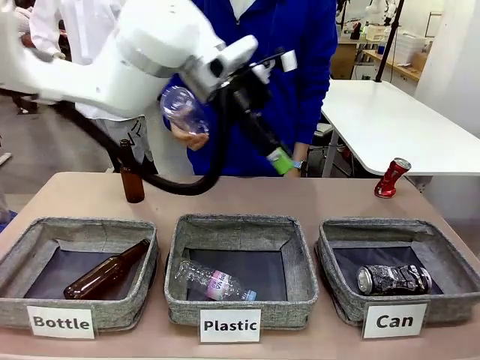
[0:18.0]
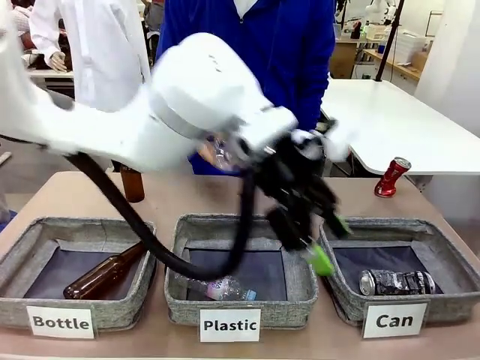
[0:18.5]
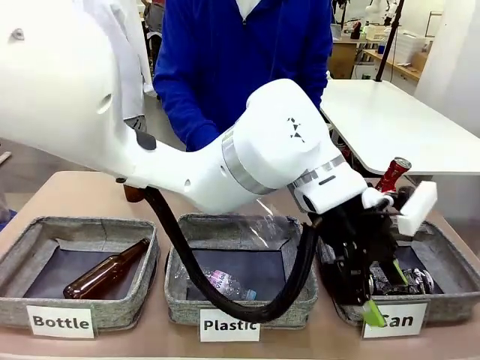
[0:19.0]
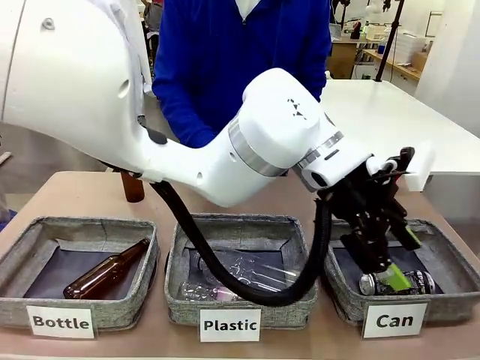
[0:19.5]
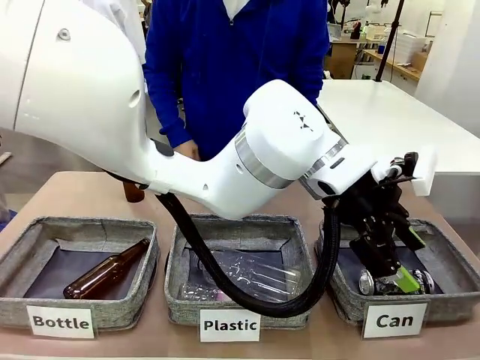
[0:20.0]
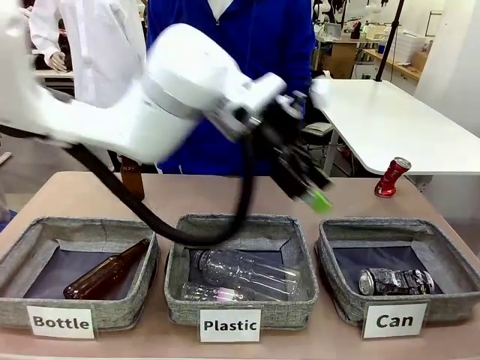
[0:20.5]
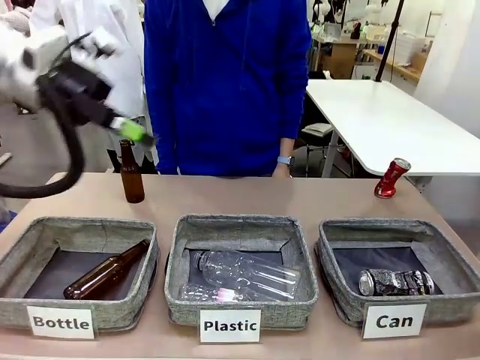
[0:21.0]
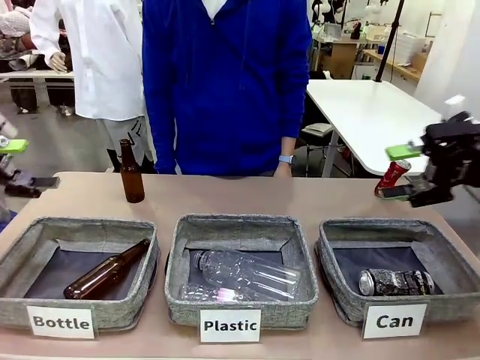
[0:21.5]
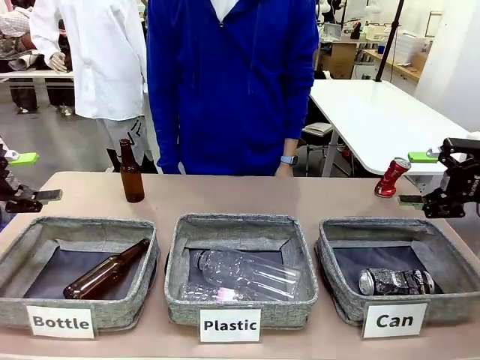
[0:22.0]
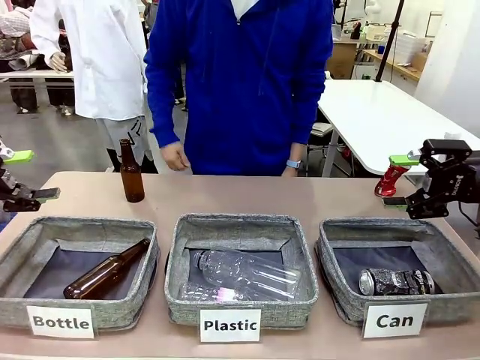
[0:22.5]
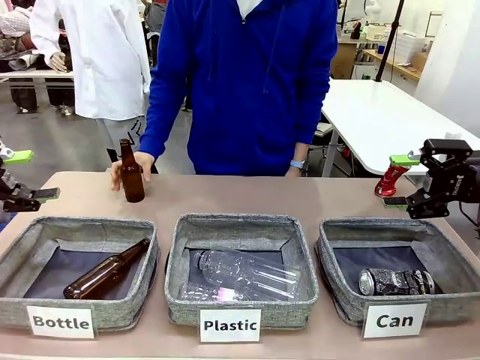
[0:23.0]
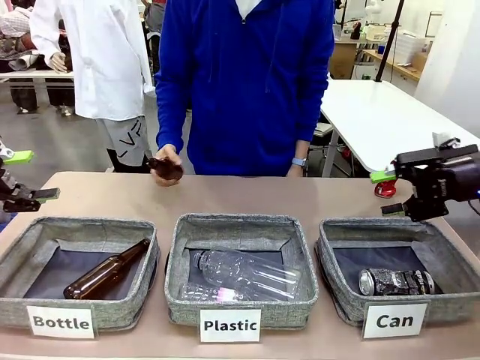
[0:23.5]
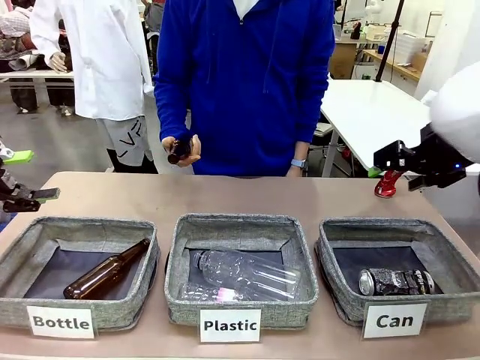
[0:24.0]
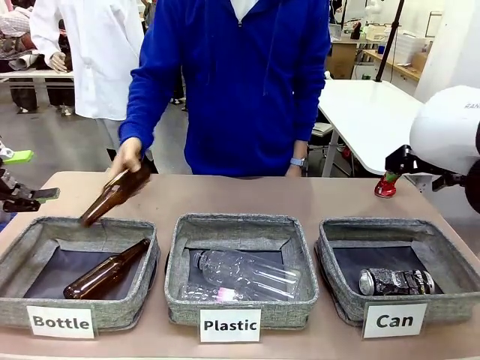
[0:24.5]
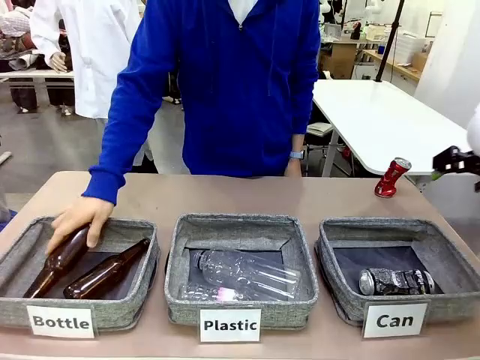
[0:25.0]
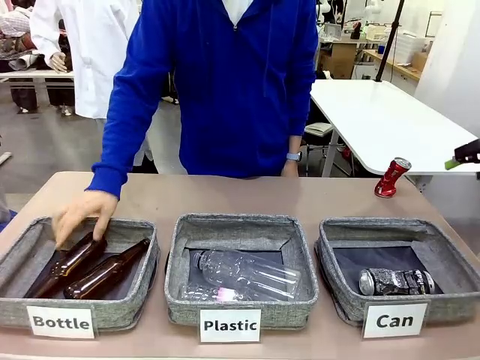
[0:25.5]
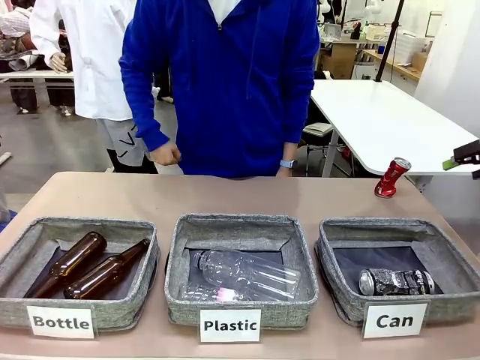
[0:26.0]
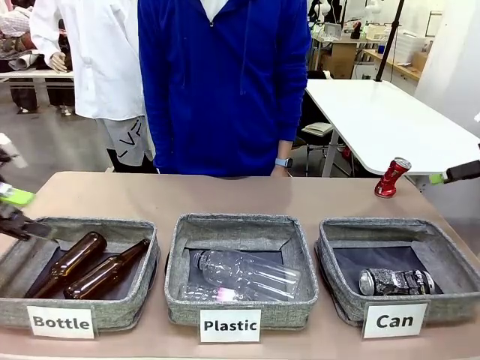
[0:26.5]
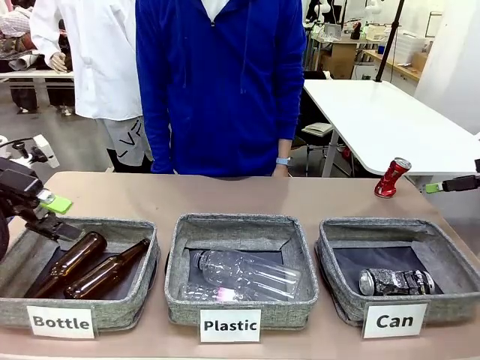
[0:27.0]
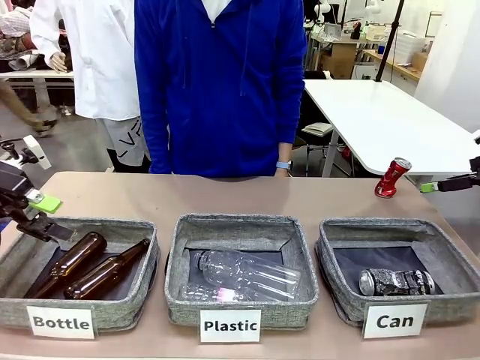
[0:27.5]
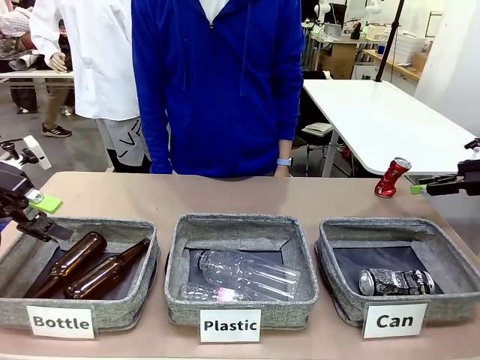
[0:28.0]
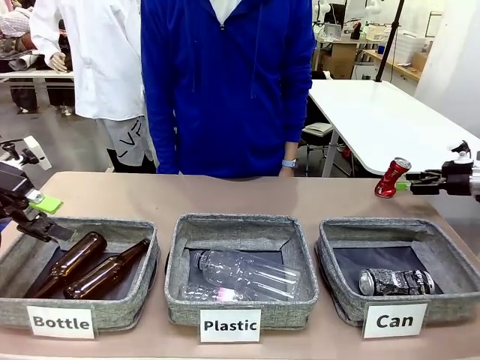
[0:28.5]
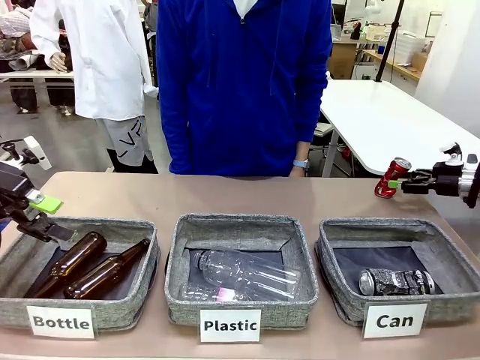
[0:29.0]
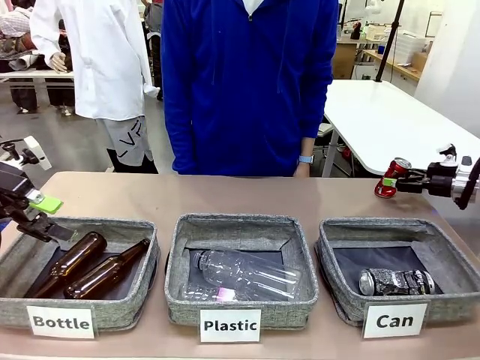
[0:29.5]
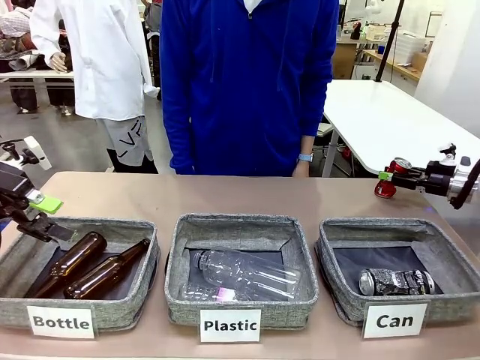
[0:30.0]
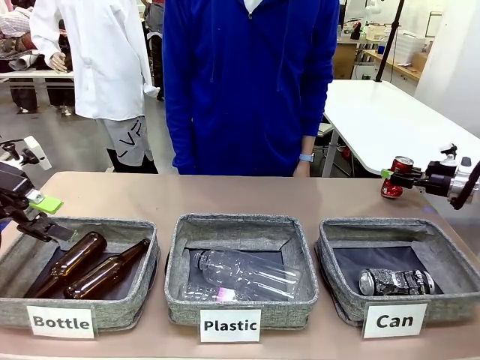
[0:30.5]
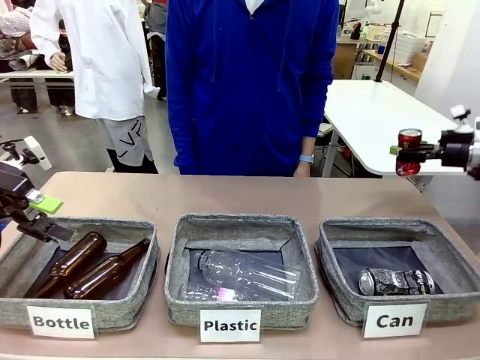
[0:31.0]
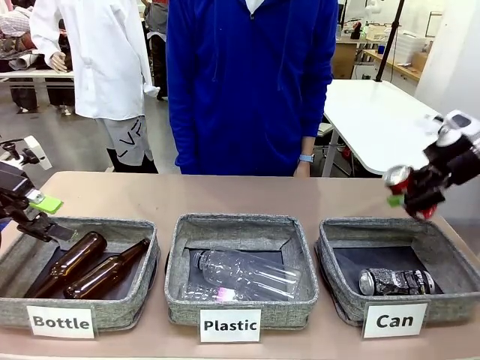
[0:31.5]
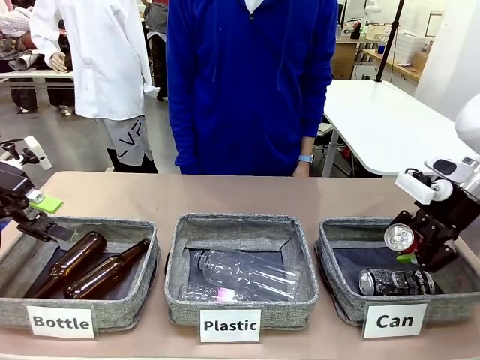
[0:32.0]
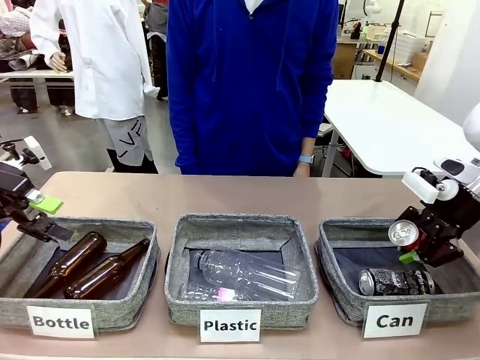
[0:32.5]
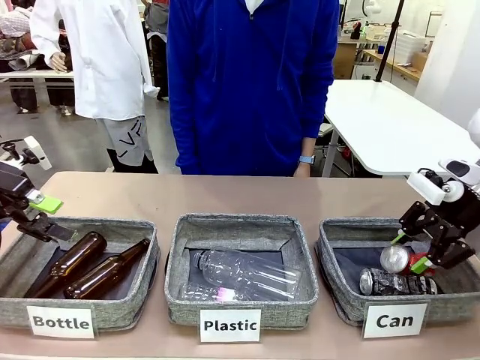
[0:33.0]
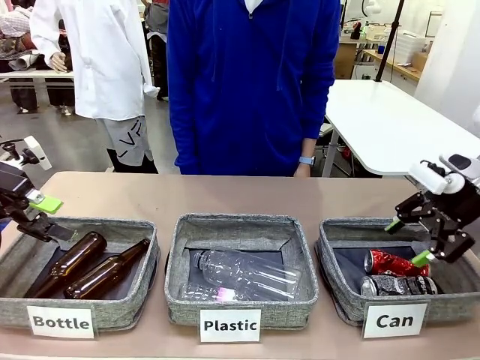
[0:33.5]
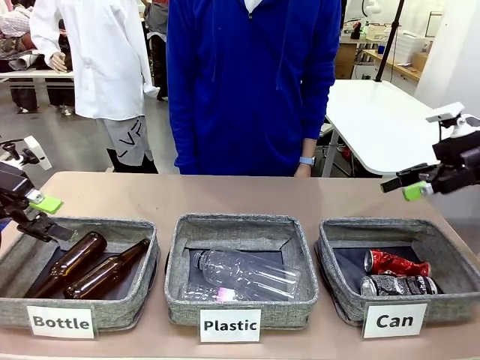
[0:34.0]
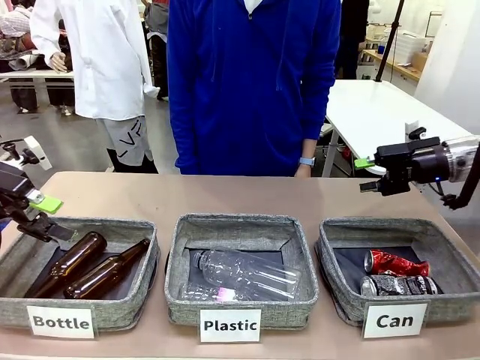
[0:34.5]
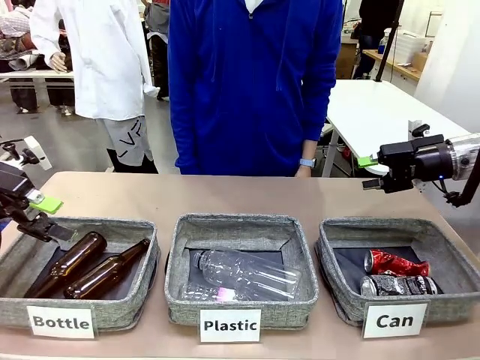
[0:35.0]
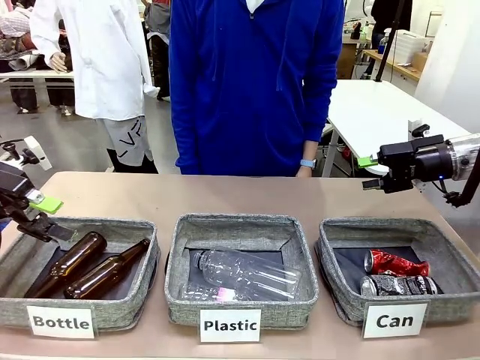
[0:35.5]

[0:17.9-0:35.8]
Task: Sort the can waste into the basket.
Robot: Pick up the can waste from the table and place it in the right Fabric basket.

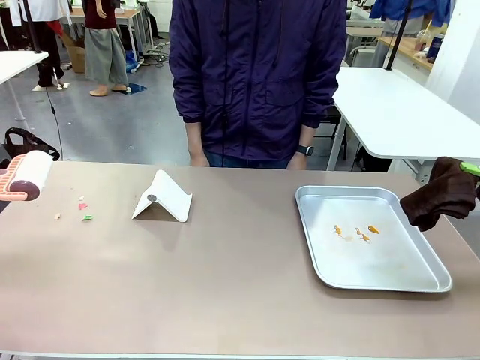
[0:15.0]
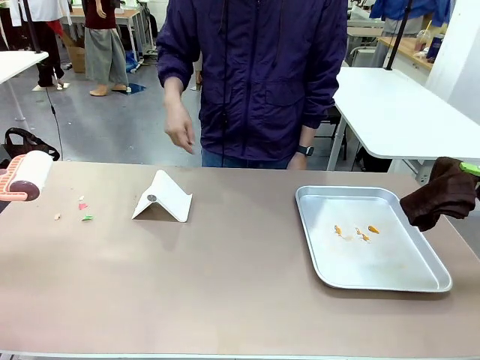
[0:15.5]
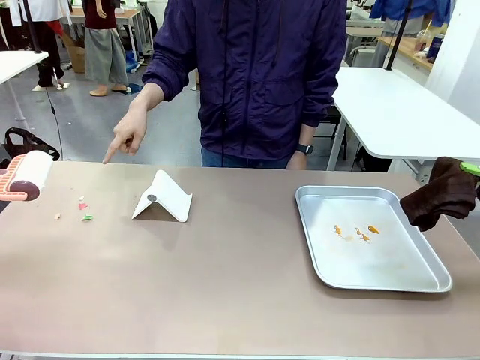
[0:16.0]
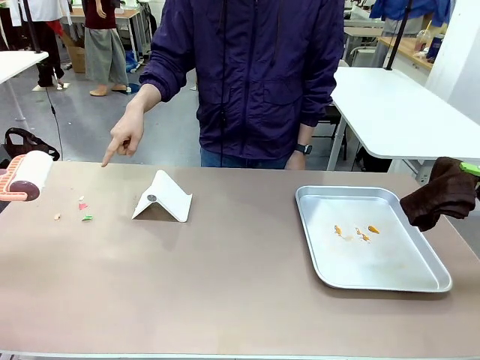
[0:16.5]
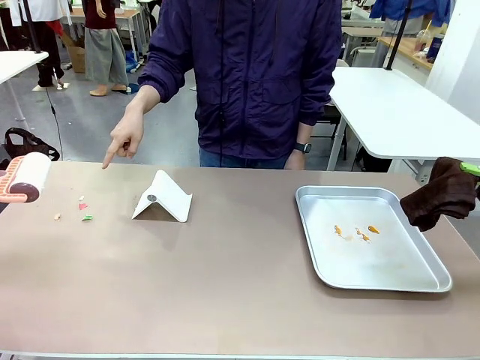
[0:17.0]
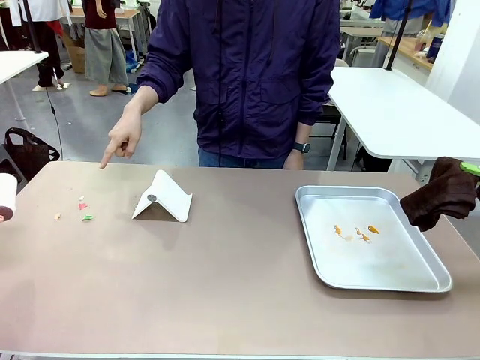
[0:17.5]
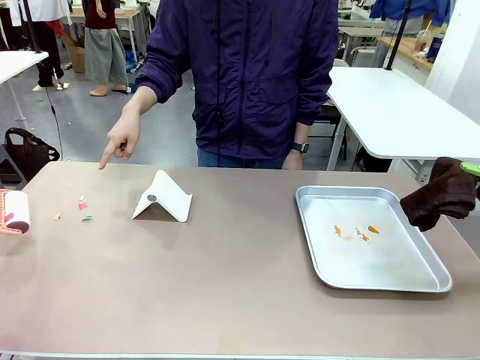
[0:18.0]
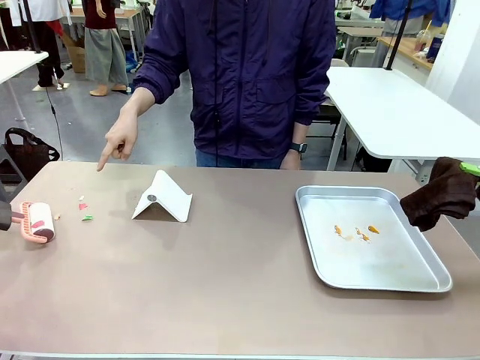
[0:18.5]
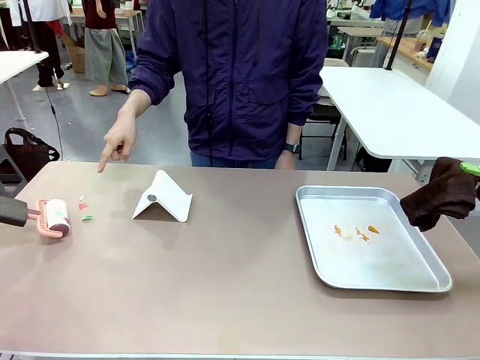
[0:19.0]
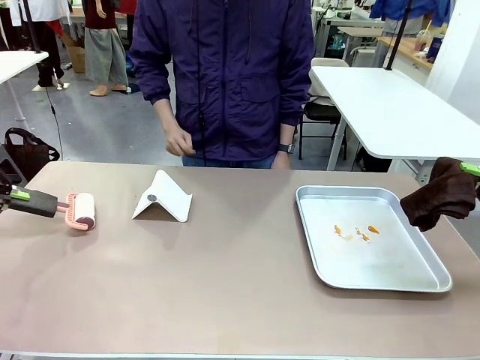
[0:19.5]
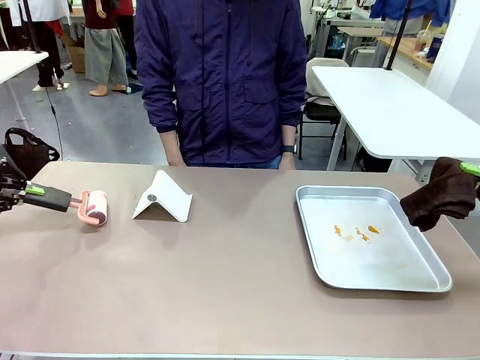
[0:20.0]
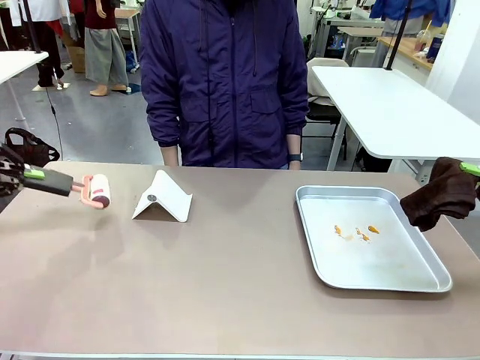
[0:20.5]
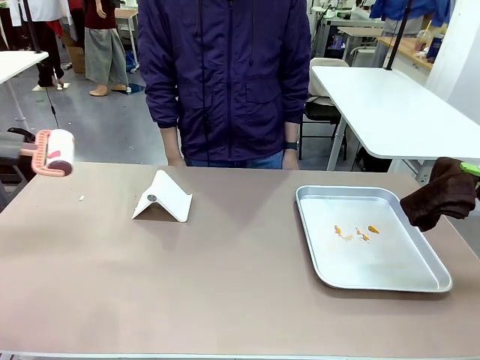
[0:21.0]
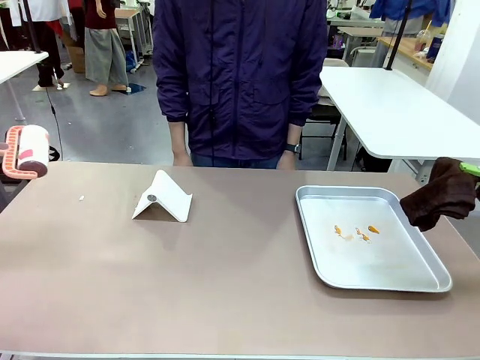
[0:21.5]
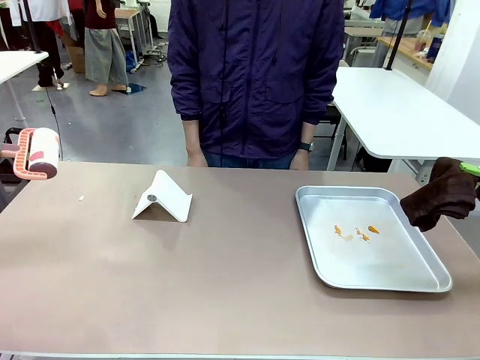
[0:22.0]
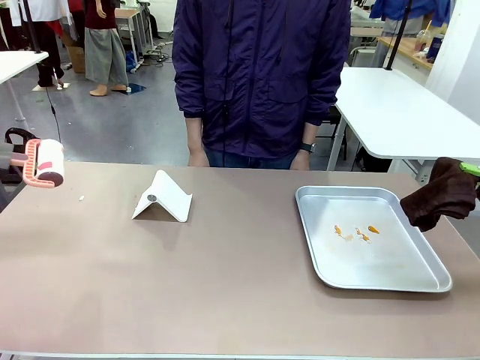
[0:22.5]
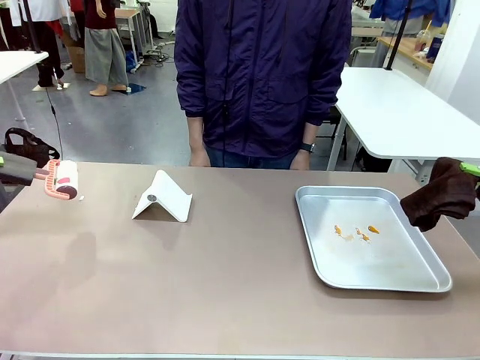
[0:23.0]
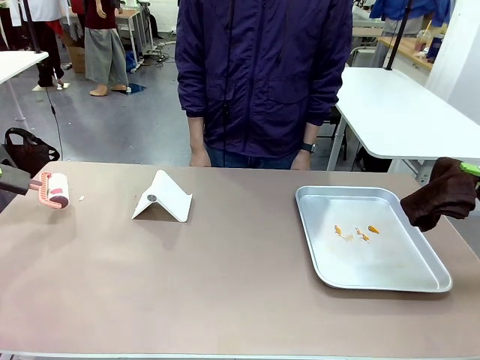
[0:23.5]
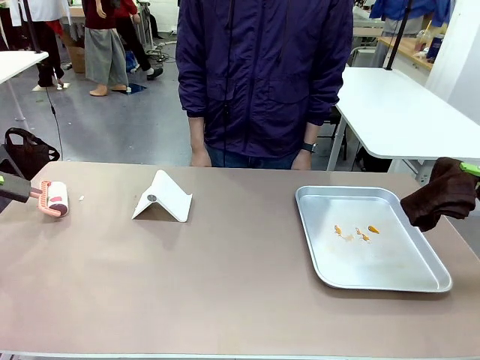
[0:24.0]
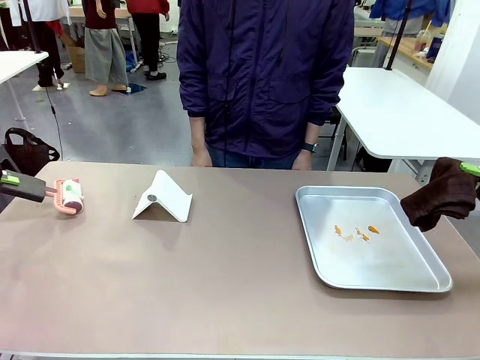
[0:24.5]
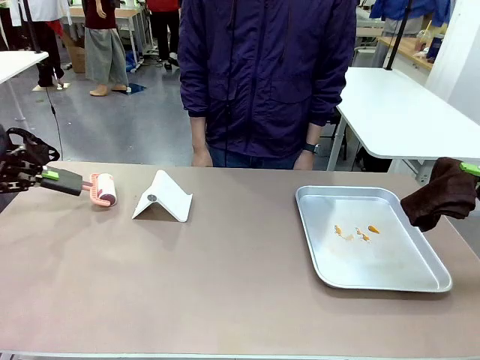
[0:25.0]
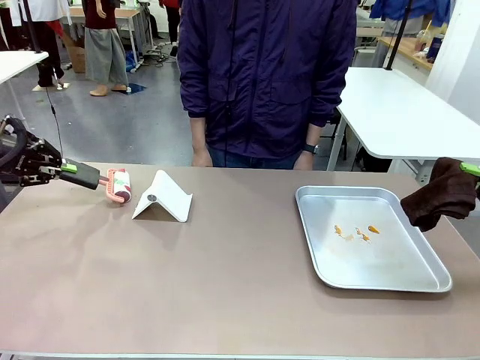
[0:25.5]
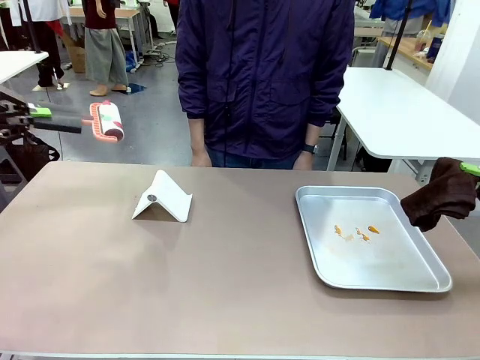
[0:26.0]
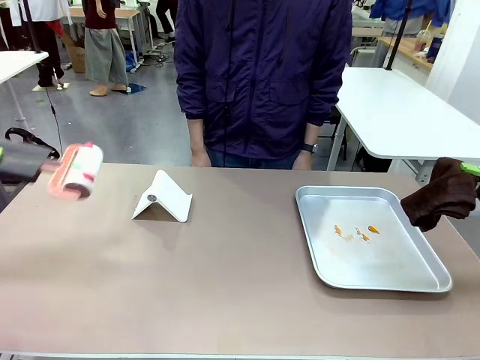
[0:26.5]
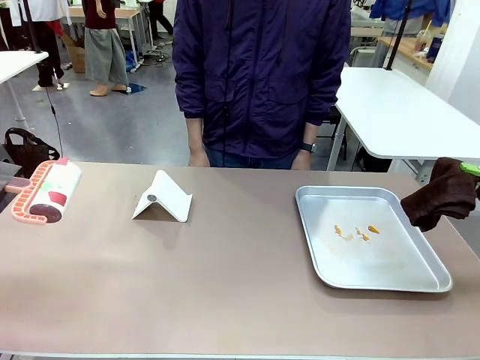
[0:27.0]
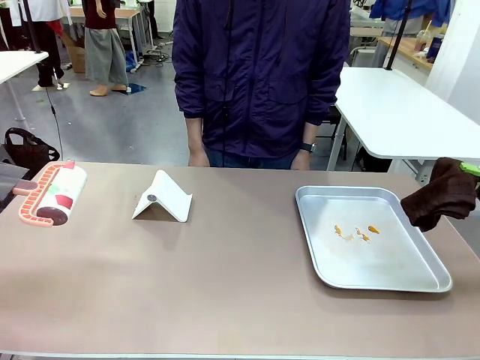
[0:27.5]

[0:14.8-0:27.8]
Task: Clean the surface of the table.
Robot: If a person points to the right, clean the right side of the table with your right hand, and if they point to the left, clean the left side with your left hand.
